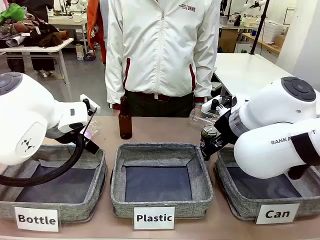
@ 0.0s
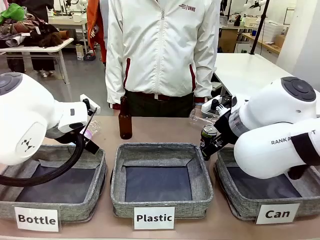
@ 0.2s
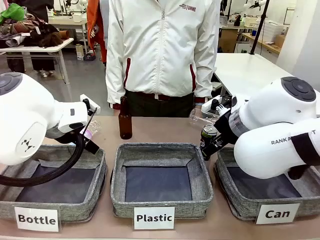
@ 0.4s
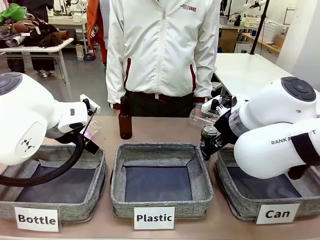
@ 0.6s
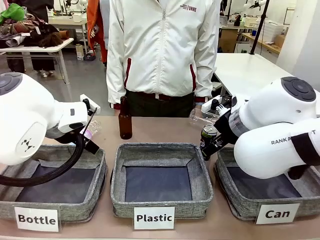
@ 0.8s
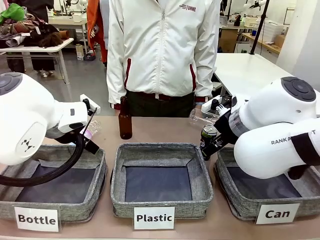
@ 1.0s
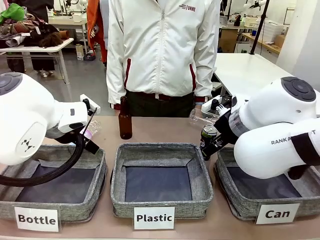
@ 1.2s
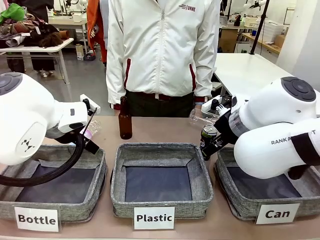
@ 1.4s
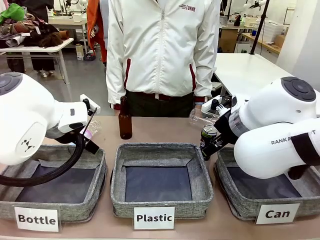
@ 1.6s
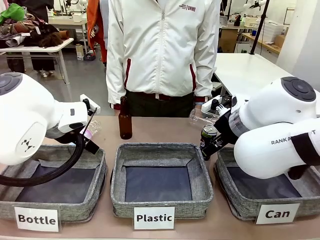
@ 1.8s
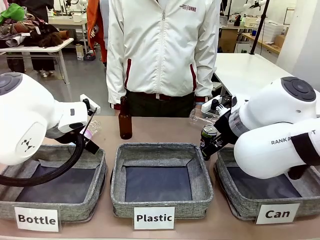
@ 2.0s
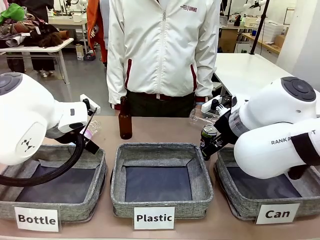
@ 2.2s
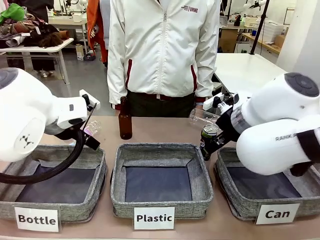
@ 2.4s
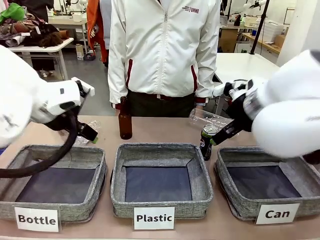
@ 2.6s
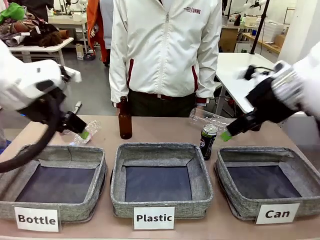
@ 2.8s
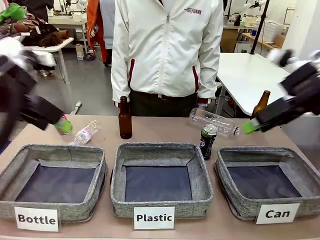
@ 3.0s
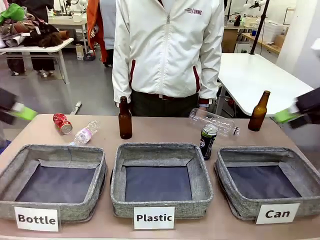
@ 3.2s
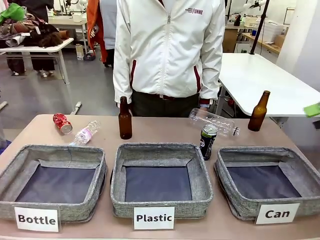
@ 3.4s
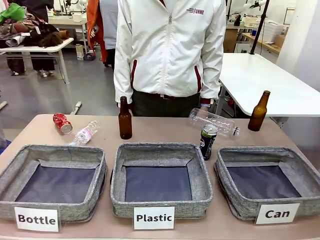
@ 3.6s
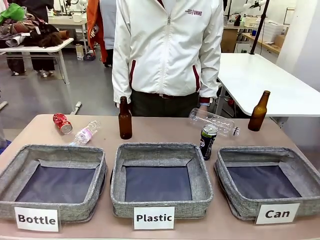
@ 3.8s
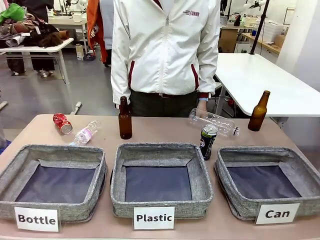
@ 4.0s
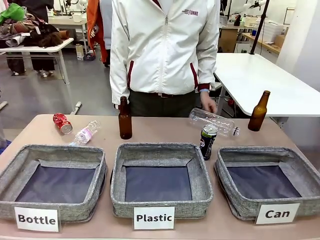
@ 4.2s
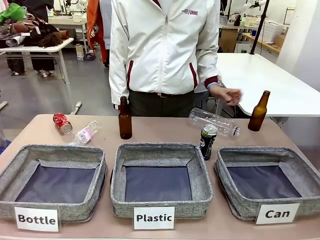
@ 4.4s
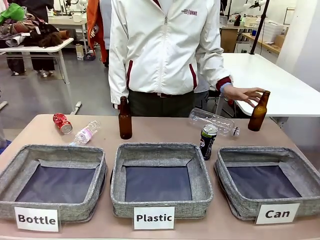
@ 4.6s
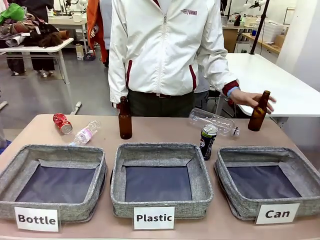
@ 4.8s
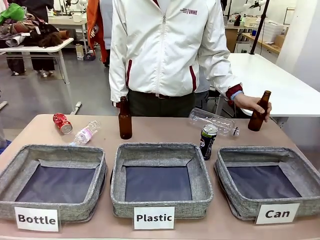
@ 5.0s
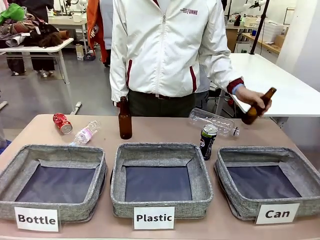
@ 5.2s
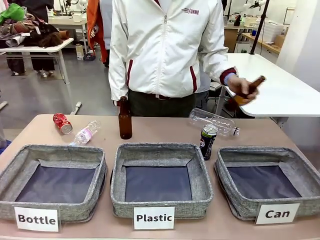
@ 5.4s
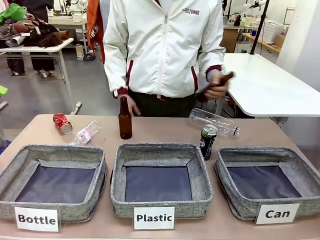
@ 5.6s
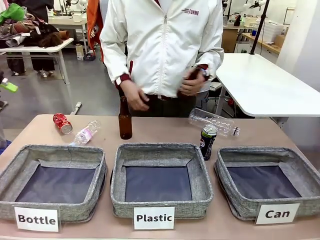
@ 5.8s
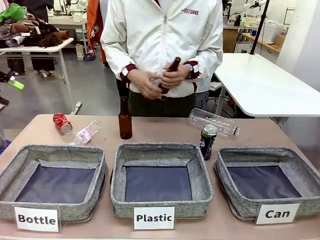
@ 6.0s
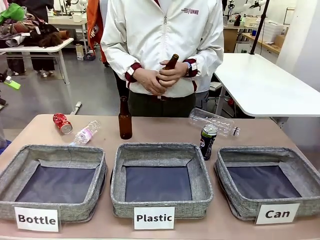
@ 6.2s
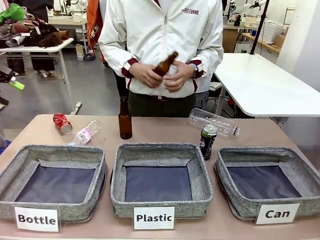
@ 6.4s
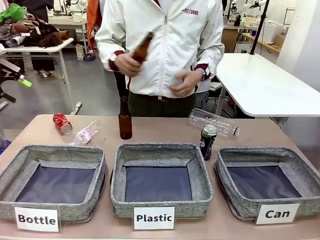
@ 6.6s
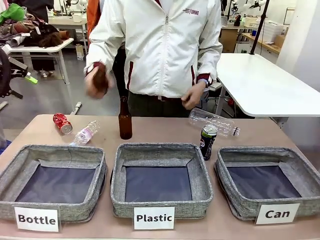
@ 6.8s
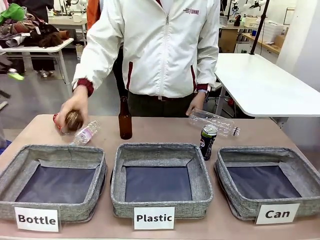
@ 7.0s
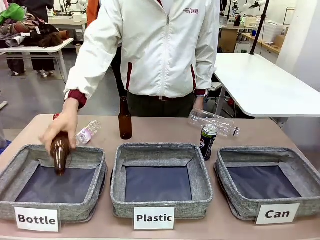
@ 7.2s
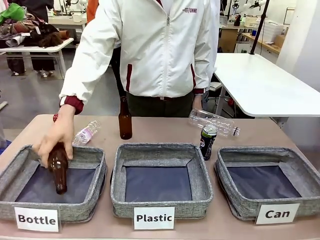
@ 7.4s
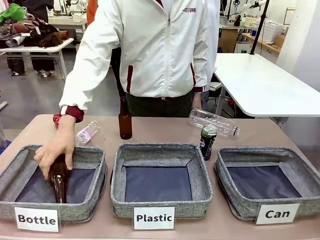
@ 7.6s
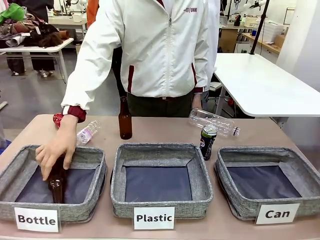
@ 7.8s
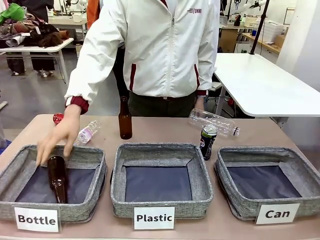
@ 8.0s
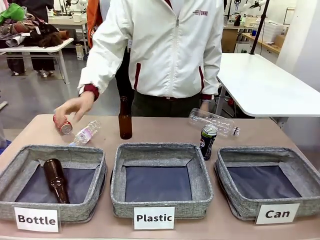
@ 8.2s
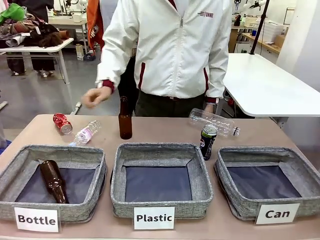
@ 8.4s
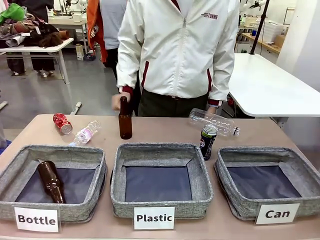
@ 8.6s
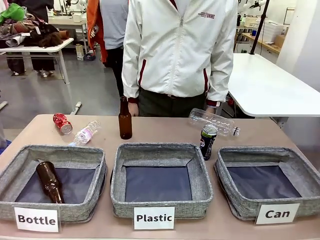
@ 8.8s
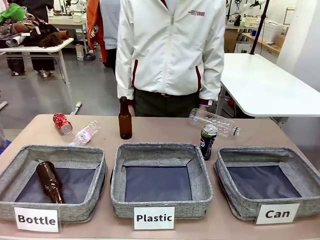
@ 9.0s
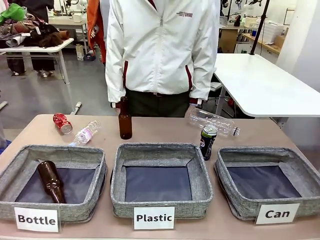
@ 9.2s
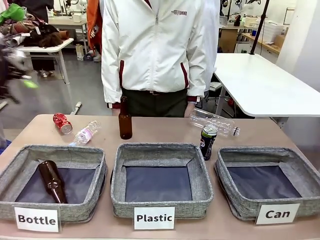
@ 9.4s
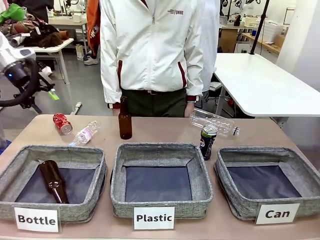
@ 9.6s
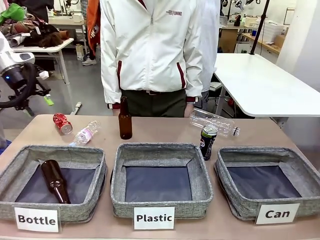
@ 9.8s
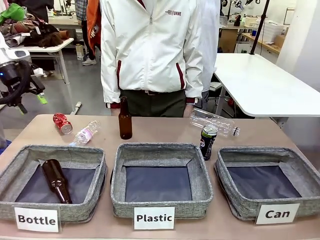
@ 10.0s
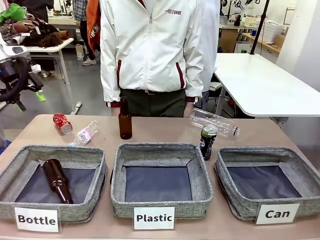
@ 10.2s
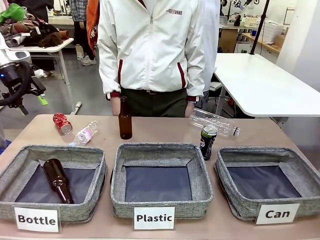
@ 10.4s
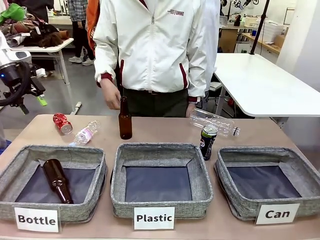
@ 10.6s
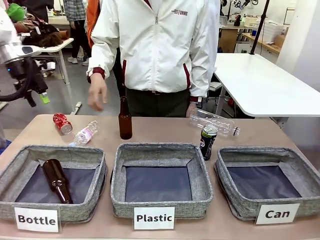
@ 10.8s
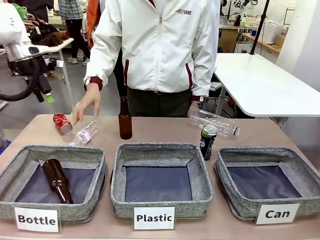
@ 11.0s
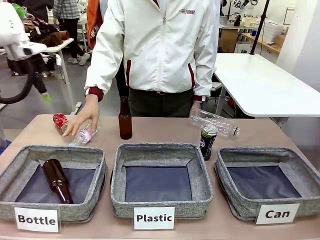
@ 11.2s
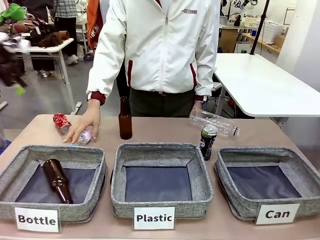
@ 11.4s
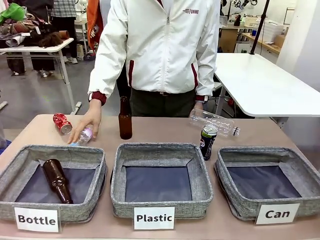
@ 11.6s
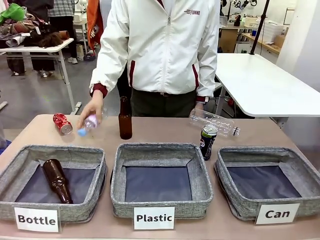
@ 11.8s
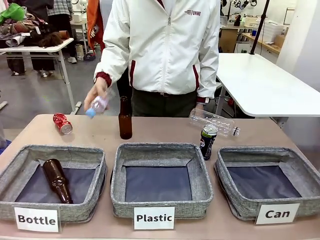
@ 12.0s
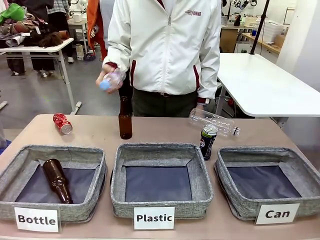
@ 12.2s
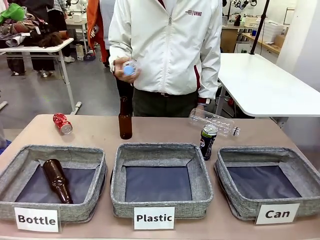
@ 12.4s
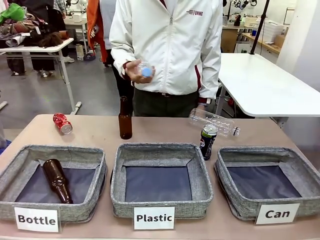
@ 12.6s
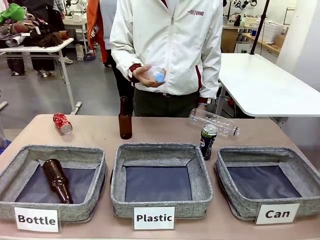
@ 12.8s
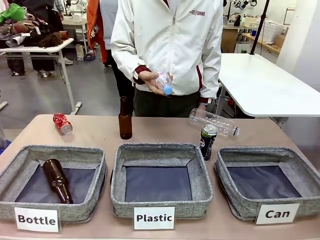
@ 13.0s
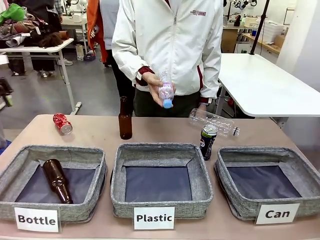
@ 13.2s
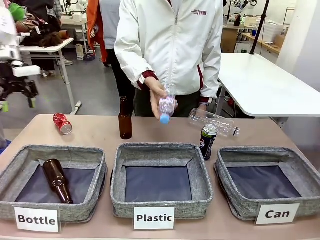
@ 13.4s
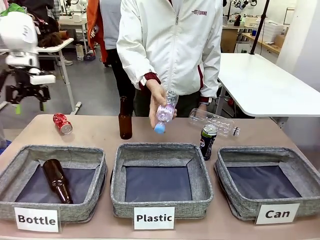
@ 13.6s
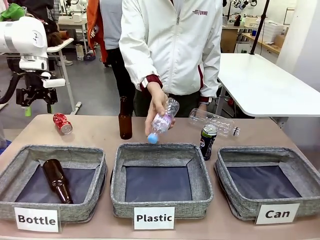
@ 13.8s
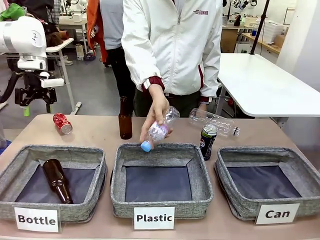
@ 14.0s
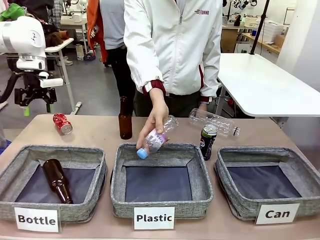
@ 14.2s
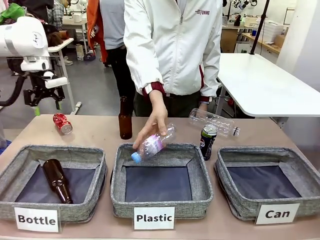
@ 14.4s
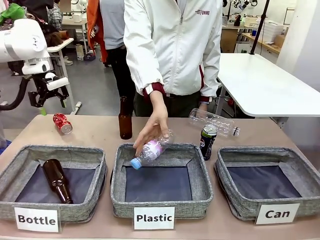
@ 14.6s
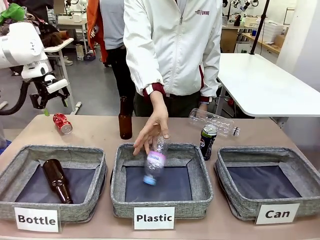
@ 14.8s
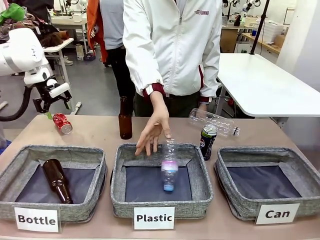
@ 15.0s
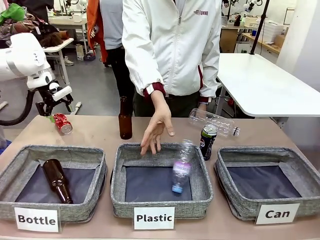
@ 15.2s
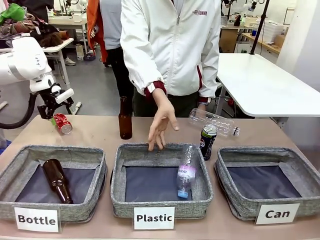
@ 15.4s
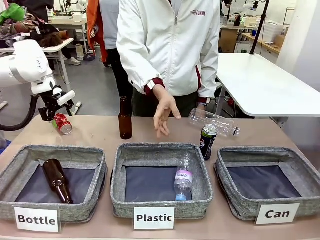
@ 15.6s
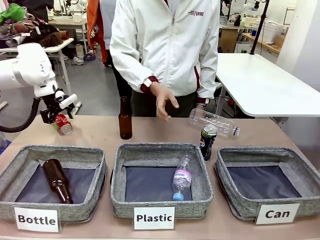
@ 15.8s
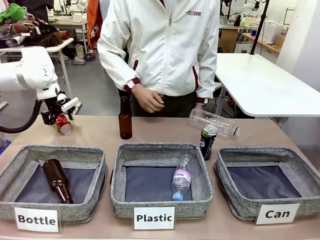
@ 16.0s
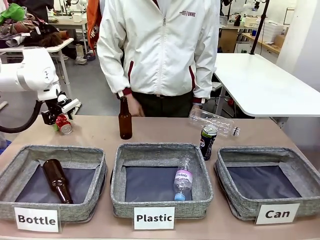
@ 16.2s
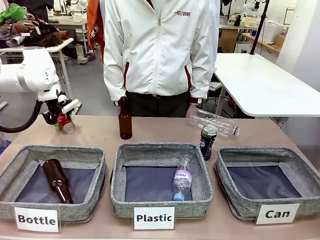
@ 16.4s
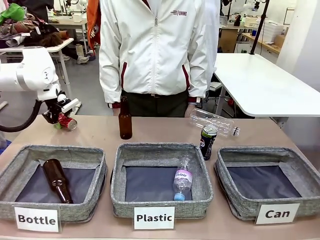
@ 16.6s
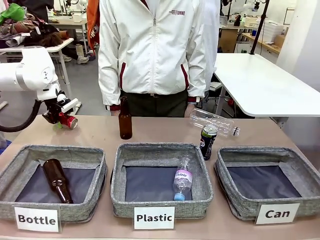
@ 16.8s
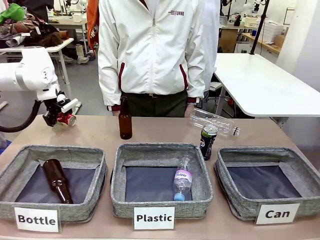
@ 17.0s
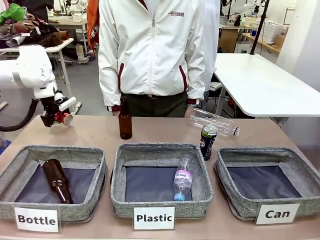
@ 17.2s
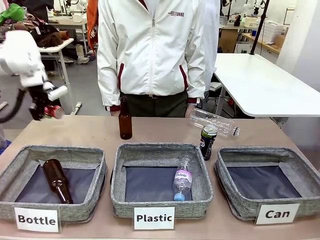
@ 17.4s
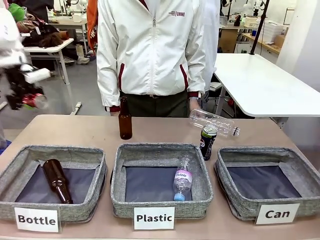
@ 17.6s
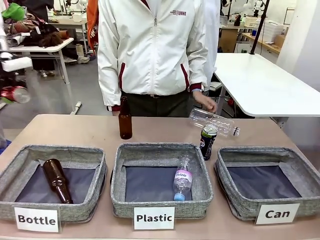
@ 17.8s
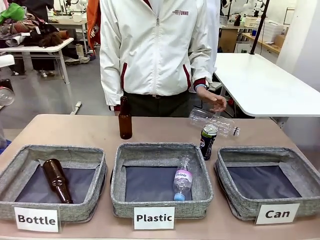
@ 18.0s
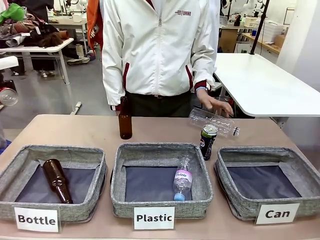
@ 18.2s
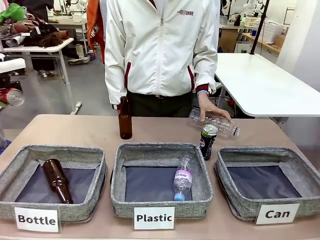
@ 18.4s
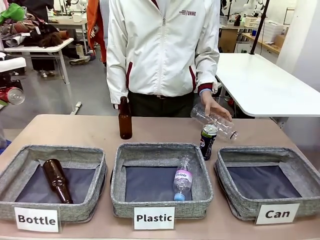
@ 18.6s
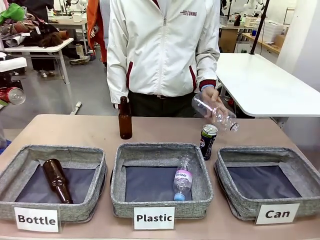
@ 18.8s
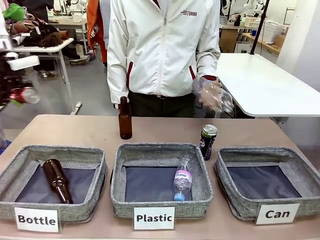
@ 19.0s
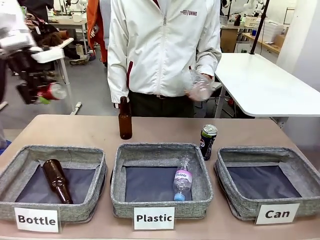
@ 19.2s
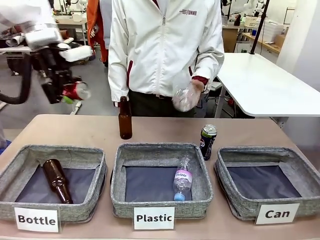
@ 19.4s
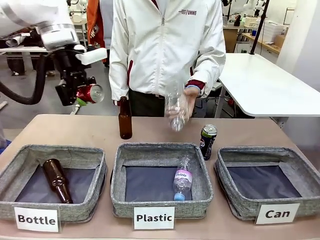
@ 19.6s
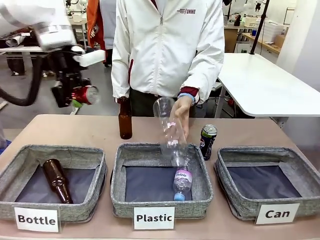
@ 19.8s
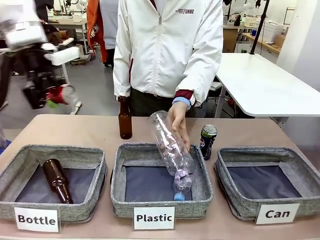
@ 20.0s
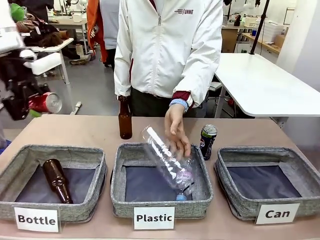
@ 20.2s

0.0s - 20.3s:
Task: Sort the can waste into the basket.
Robot: Pick up the can waste from the table and place it in the right Fabric basket.
